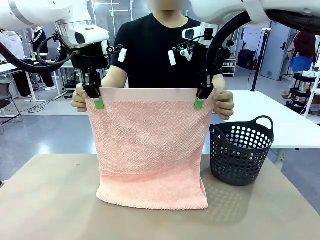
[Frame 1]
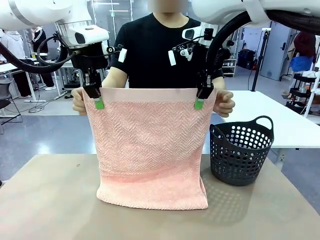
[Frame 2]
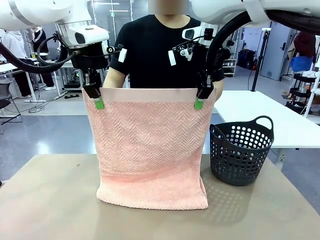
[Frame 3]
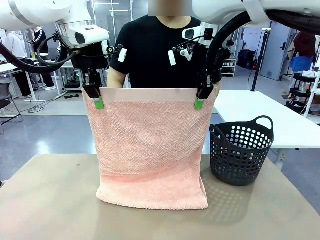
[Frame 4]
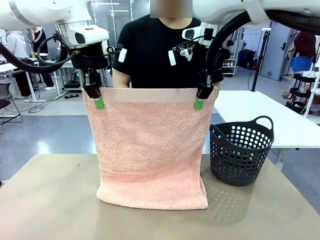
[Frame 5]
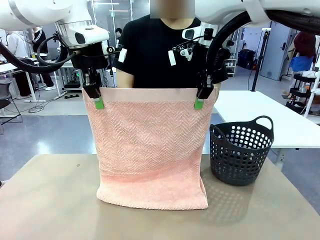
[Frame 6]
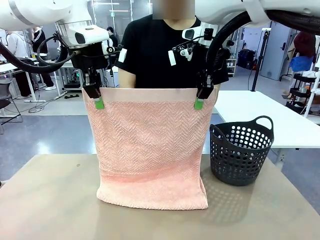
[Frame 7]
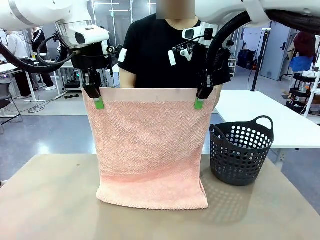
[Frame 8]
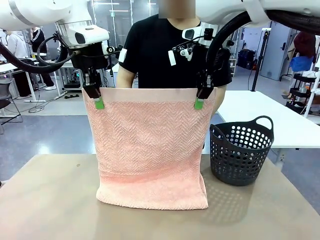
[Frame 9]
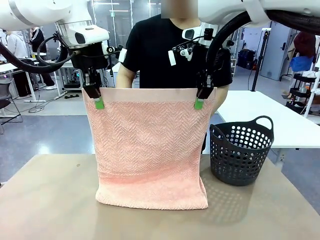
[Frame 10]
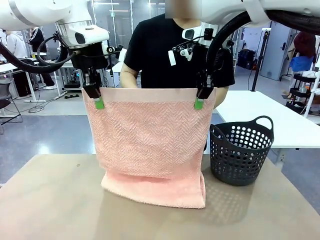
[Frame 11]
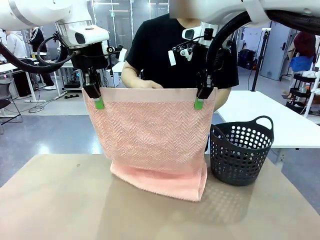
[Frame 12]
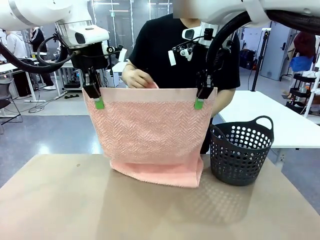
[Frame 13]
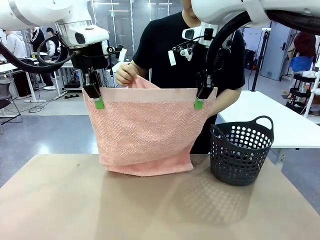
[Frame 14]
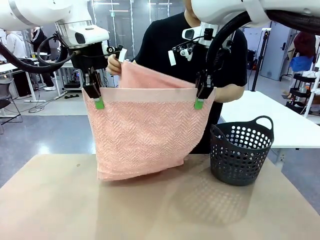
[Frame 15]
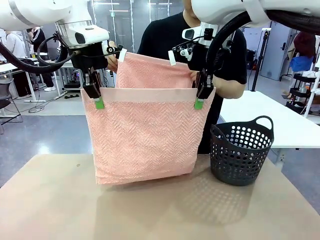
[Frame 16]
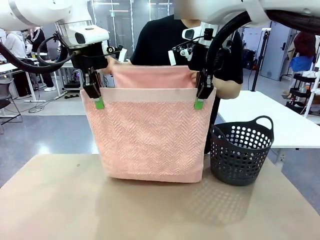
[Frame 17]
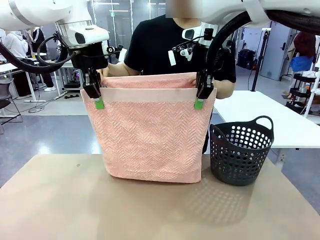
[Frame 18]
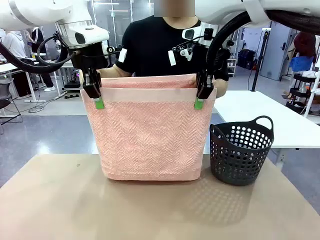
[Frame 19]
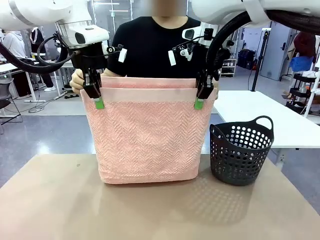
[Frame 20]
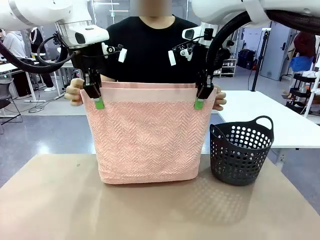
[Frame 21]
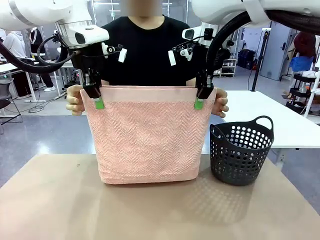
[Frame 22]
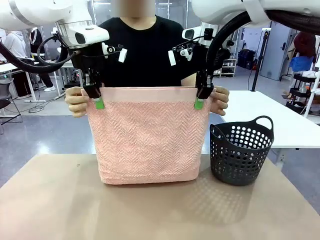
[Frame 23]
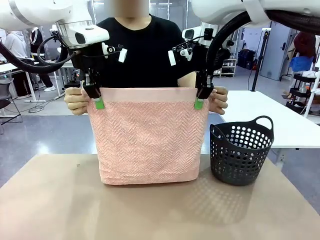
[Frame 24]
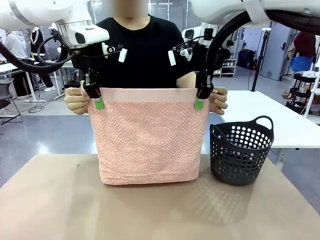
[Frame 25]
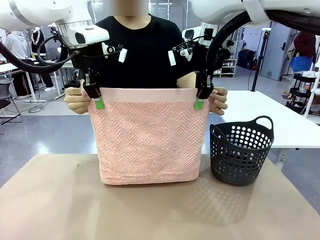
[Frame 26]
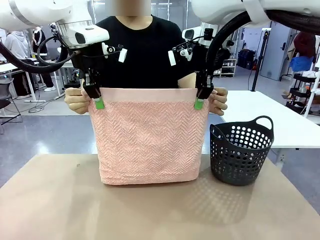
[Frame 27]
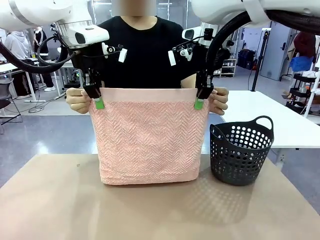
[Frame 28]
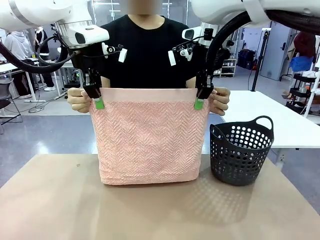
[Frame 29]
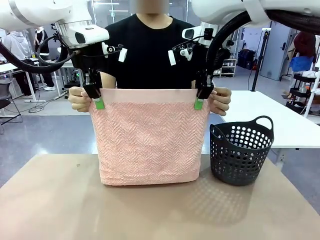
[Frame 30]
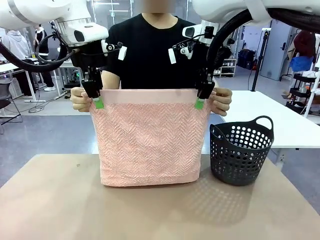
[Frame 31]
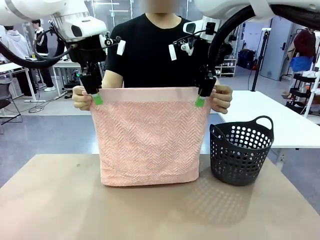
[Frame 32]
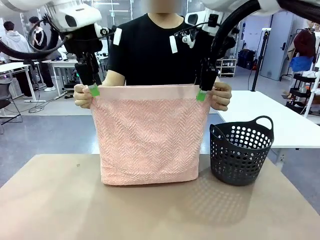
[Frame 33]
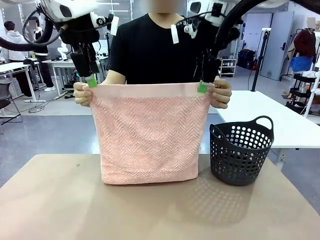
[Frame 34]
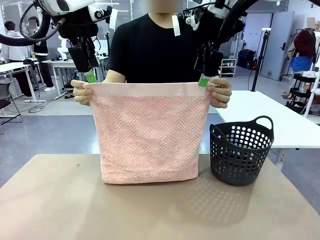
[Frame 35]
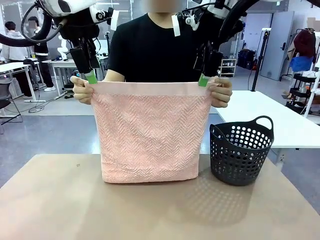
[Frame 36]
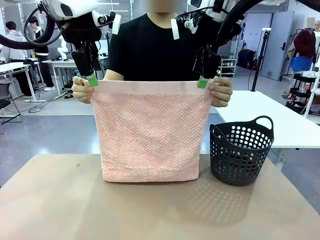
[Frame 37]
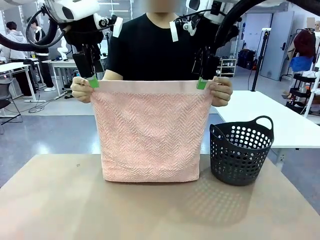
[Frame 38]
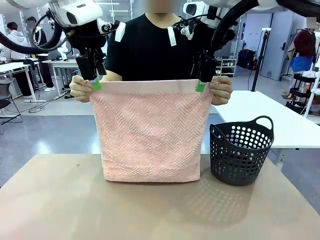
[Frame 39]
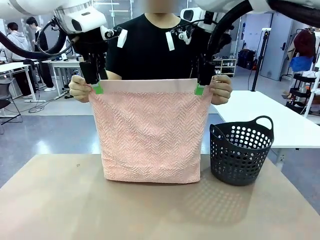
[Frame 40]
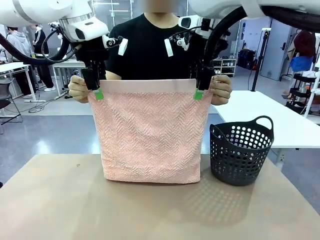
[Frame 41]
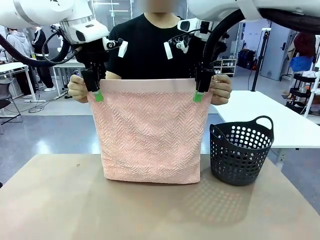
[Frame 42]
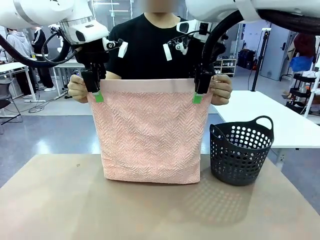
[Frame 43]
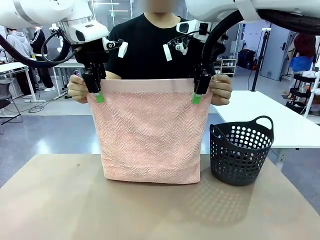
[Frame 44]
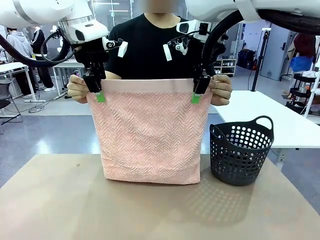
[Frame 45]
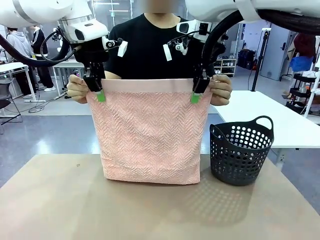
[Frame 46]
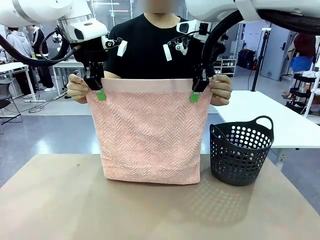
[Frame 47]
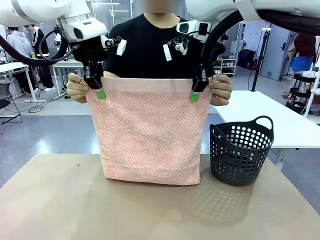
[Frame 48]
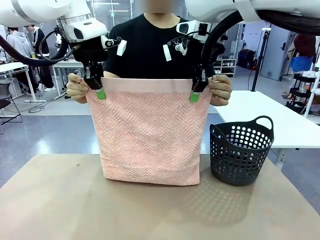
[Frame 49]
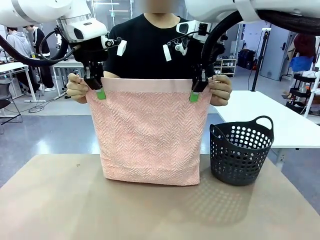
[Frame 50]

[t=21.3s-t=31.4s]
Task: Fold the towel.
Robot: Release the end of the 100 cm Hotel Towel you were holding and grab the top end of the folded side.

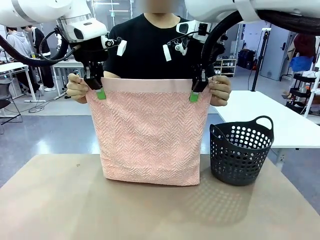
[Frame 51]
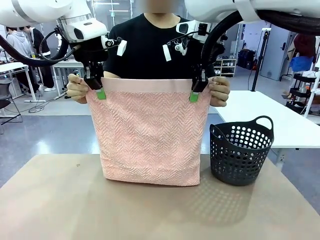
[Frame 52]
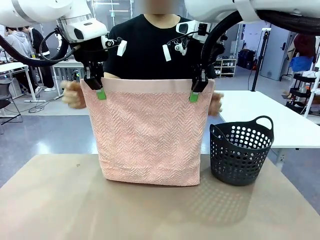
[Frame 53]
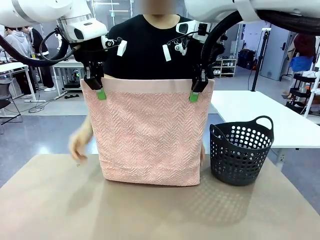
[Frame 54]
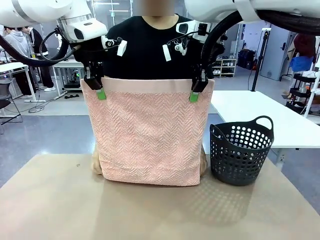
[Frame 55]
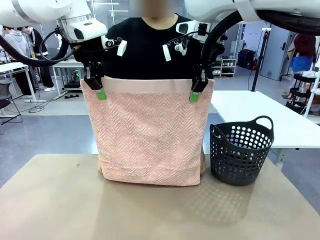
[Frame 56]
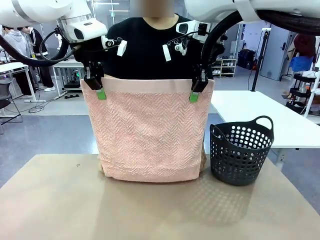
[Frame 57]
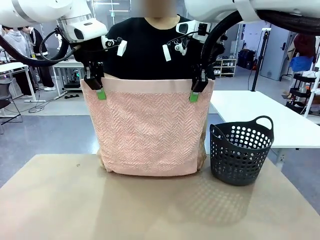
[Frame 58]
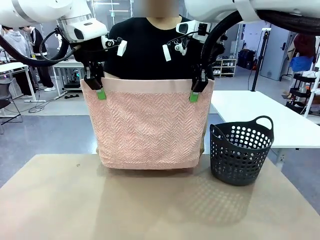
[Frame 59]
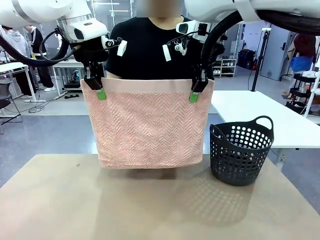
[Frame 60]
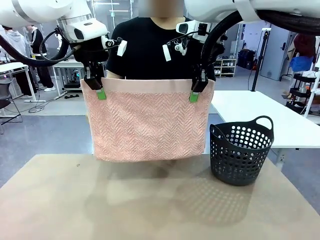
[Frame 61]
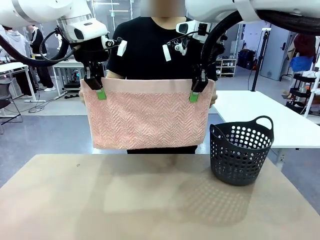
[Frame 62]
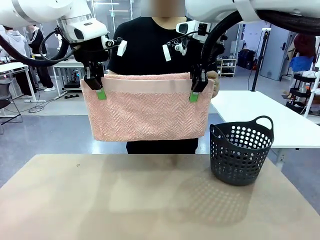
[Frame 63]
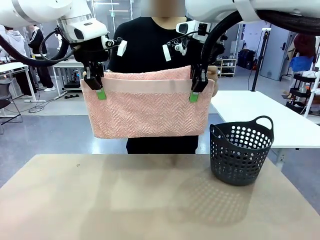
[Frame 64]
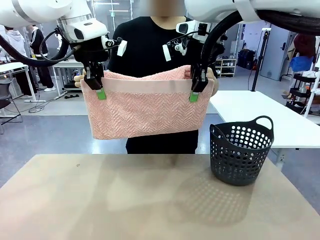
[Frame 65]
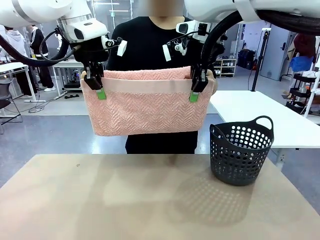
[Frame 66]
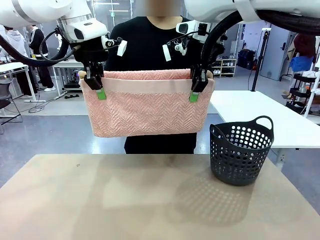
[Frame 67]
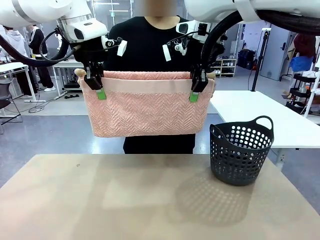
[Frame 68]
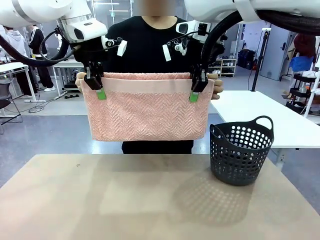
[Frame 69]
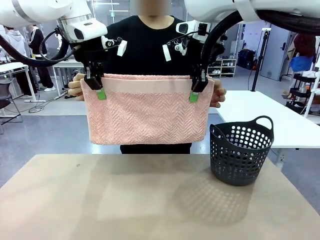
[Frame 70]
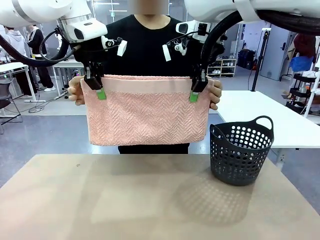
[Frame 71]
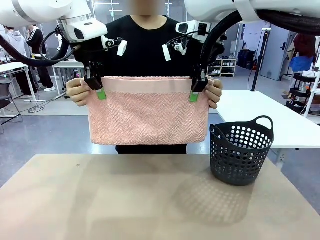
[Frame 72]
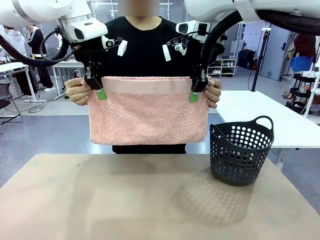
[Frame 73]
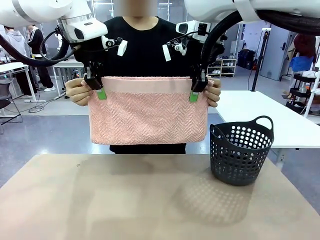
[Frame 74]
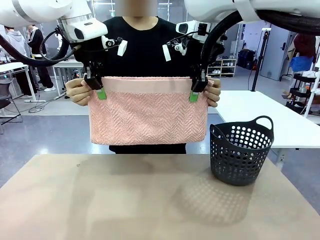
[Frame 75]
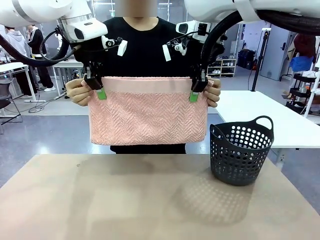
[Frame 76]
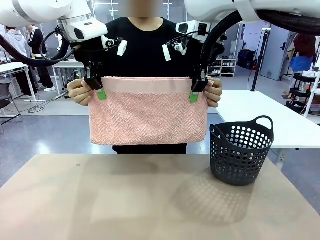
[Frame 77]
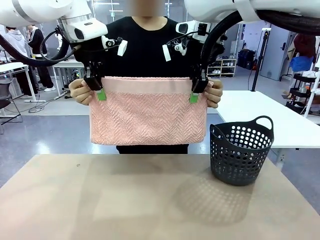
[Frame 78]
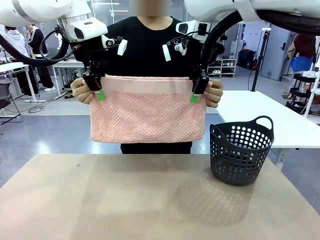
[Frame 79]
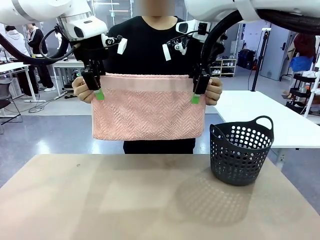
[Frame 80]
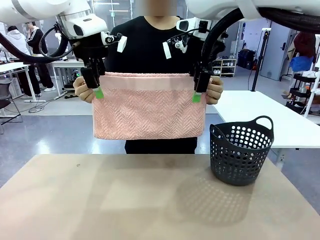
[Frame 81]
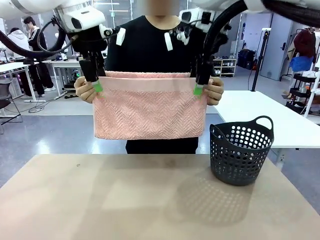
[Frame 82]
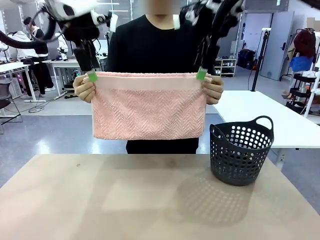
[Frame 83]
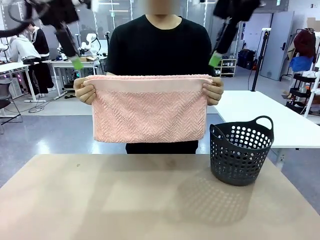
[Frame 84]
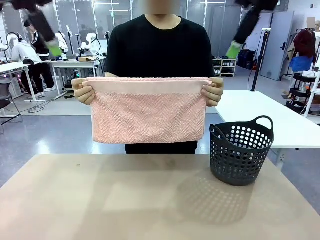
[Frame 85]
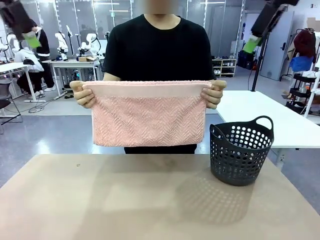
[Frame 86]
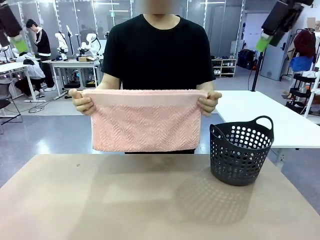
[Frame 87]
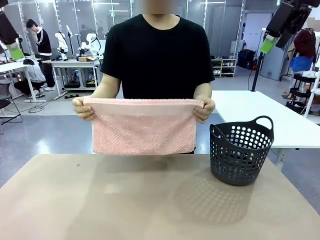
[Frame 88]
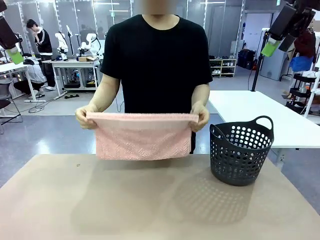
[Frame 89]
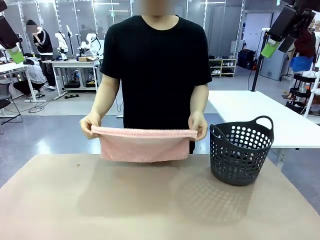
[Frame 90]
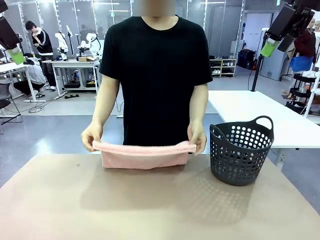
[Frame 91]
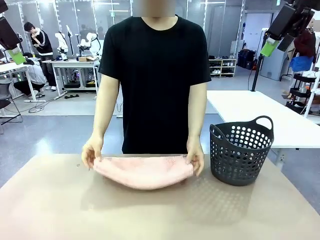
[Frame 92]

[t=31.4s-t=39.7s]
Robot: Release the end of the 100 cm Hotel Towel you were holding.
Person: Place the towel at the center of the robot table and fold it in half.

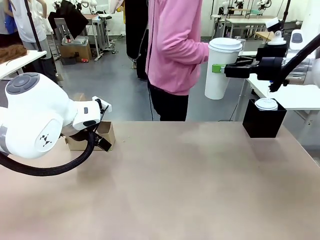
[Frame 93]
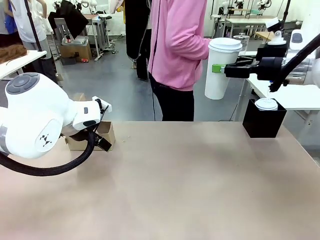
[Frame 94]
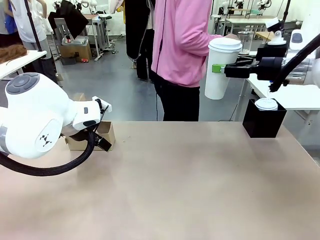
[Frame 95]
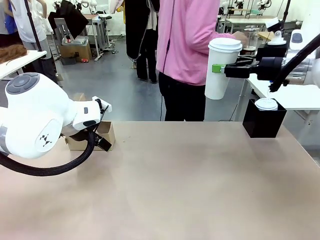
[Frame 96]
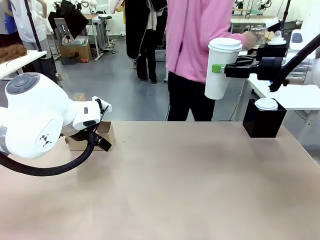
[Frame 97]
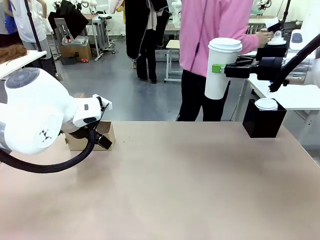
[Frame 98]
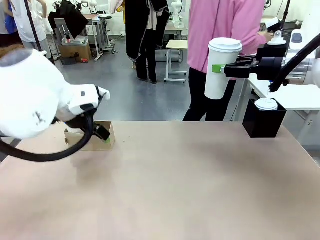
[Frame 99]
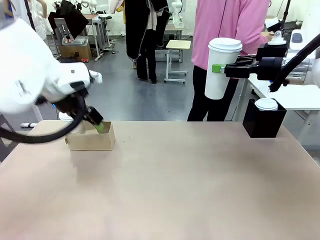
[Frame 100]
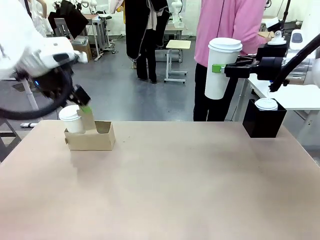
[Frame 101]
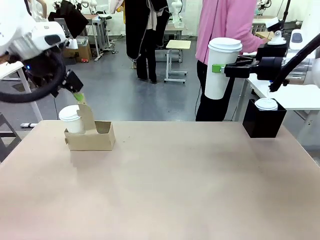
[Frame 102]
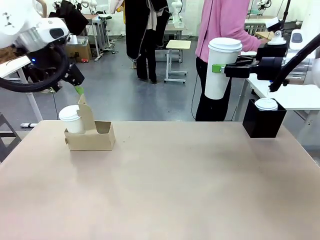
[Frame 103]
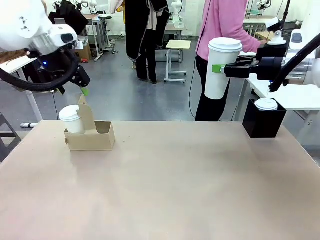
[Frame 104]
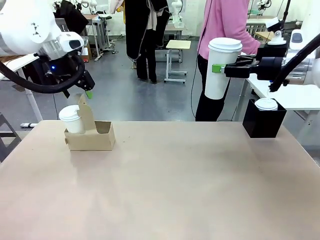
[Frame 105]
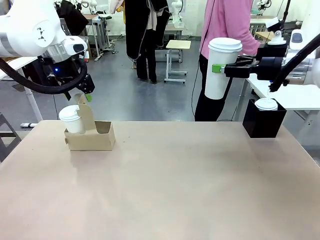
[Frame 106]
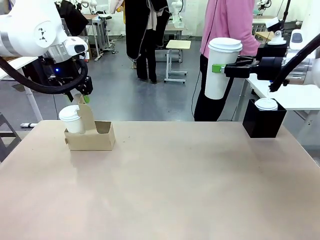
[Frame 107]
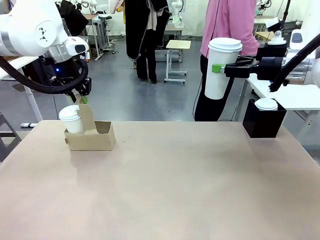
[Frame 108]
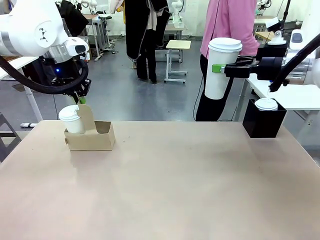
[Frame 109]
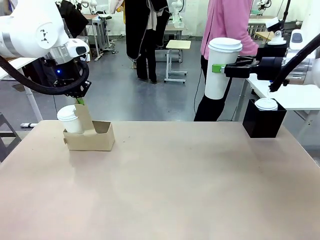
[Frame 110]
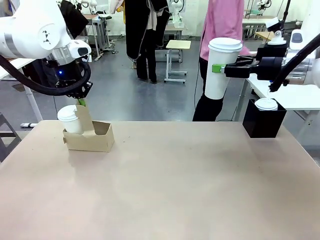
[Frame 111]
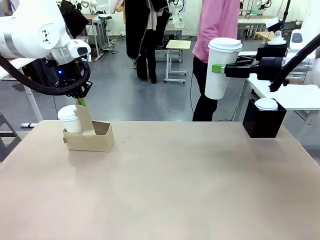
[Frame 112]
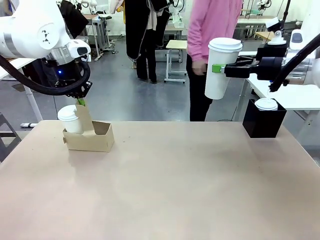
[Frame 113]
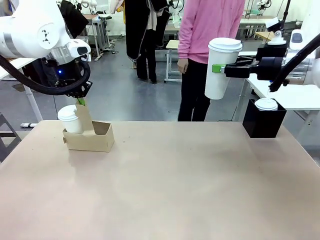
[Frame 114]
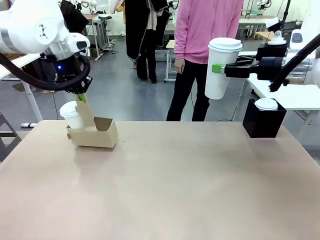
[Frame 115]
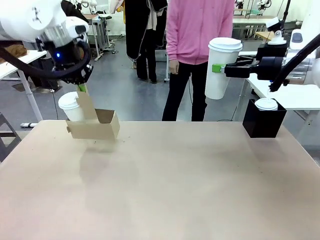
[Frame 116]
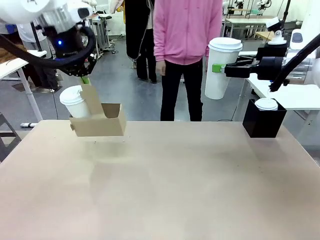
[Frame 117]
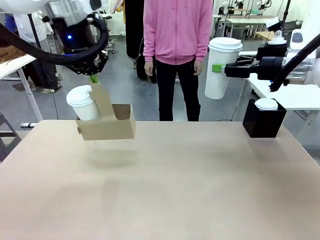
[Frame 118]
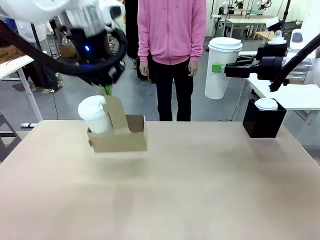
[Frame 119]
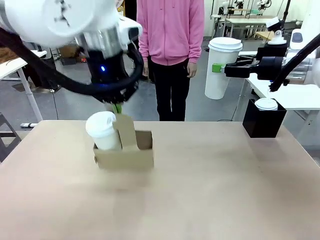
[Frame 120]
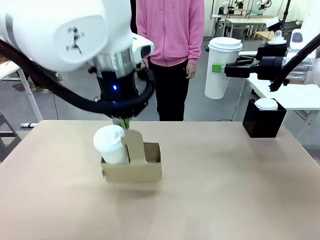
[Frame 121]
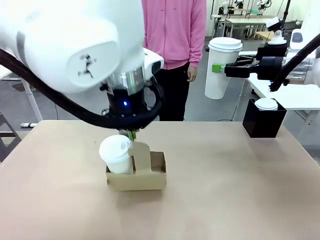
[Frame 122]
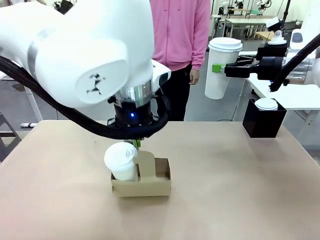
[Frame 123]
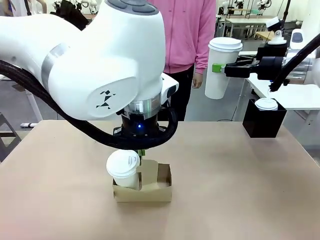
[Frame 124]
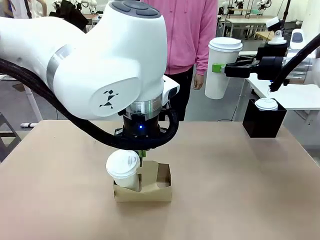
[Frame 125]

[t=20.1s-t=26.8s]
Task: Pour a drink into a cup and package it in a carrier.
Robot: Position the Cup Carrier in the center of the table.
Person: Pick up the Filter Brewing and place on the middle of Human table, and return to the Robot table.
